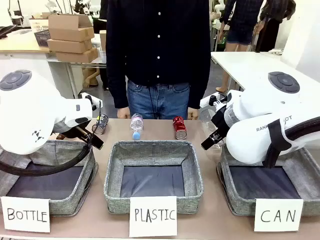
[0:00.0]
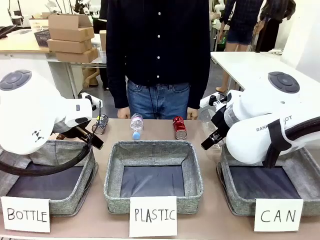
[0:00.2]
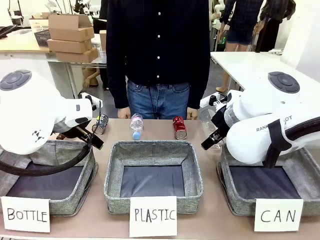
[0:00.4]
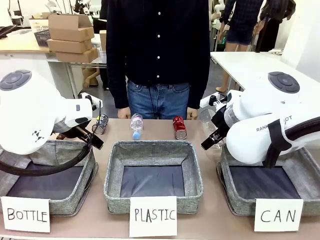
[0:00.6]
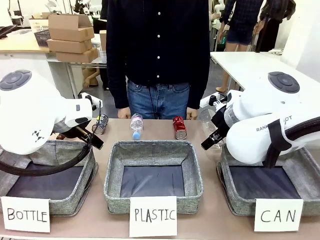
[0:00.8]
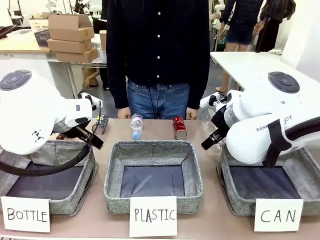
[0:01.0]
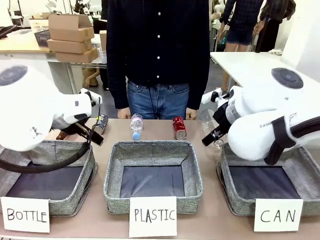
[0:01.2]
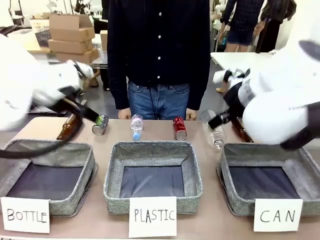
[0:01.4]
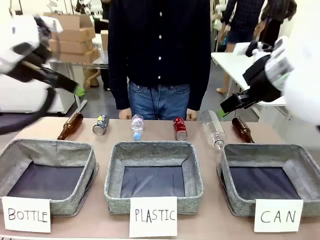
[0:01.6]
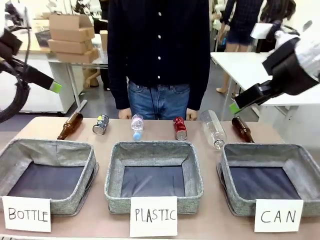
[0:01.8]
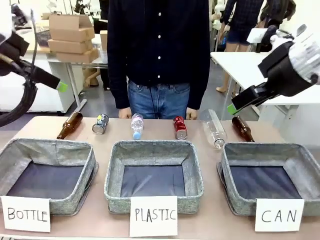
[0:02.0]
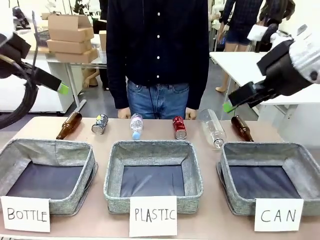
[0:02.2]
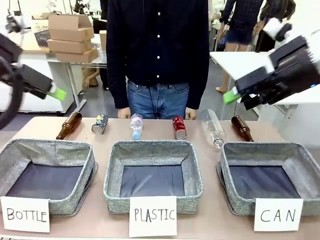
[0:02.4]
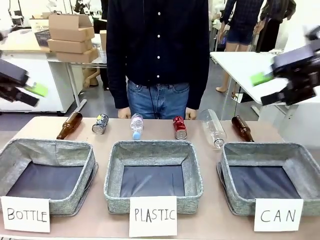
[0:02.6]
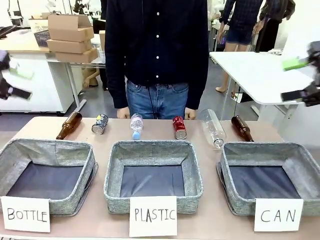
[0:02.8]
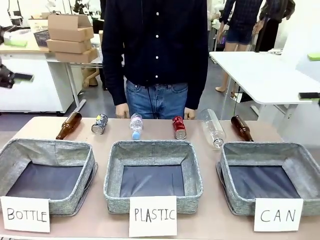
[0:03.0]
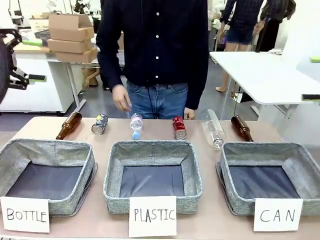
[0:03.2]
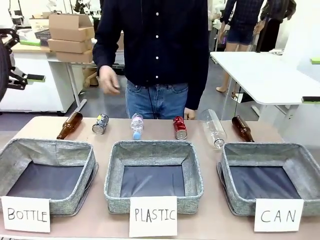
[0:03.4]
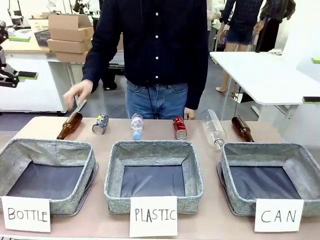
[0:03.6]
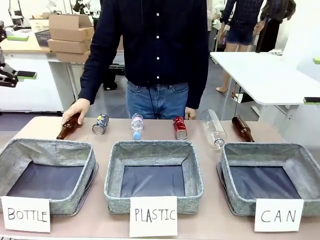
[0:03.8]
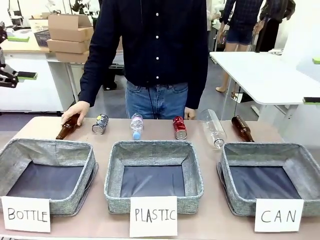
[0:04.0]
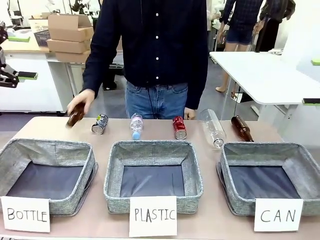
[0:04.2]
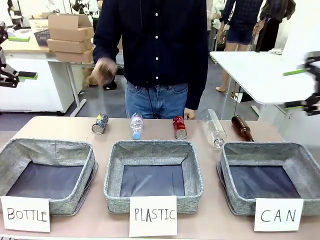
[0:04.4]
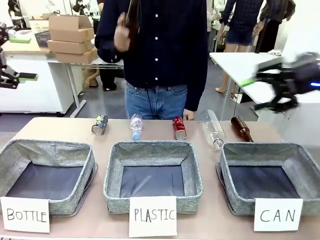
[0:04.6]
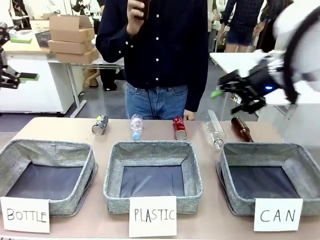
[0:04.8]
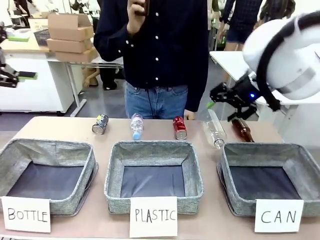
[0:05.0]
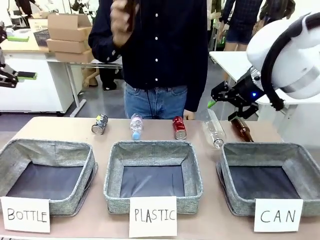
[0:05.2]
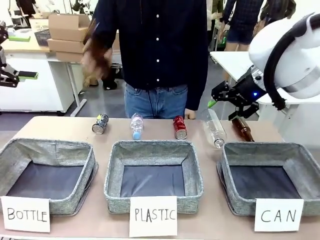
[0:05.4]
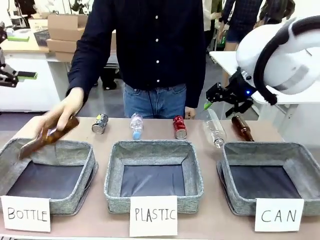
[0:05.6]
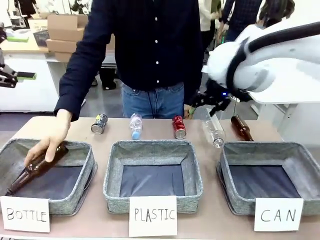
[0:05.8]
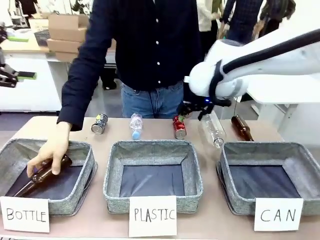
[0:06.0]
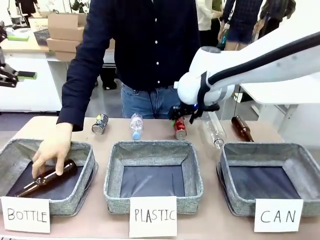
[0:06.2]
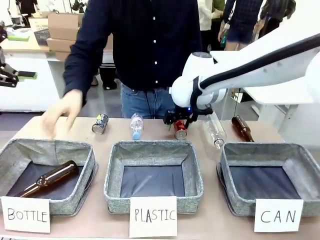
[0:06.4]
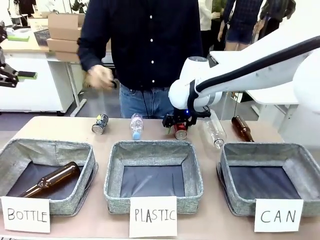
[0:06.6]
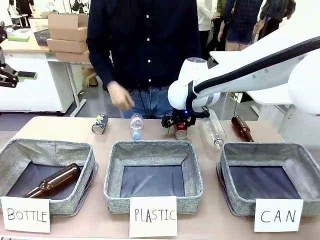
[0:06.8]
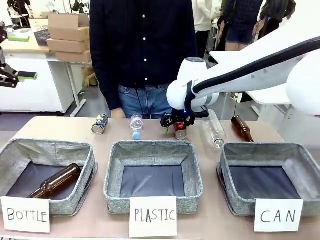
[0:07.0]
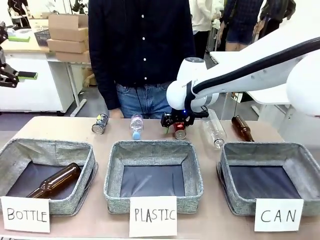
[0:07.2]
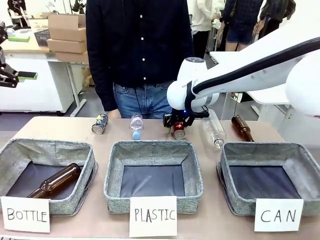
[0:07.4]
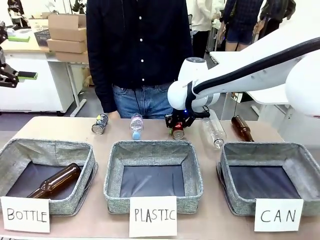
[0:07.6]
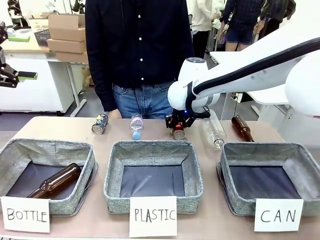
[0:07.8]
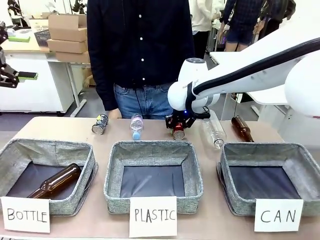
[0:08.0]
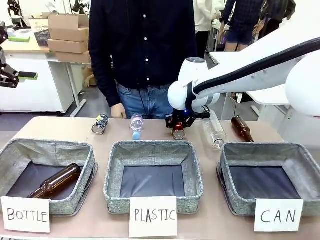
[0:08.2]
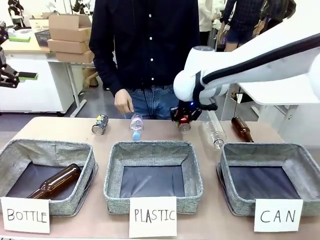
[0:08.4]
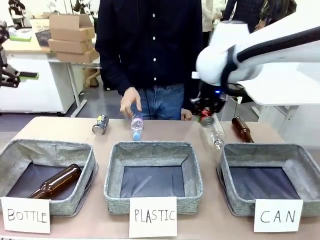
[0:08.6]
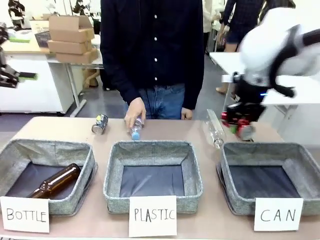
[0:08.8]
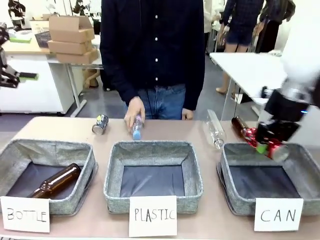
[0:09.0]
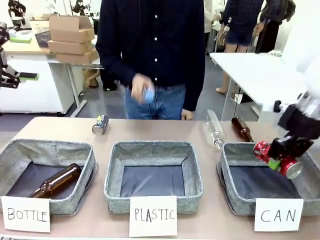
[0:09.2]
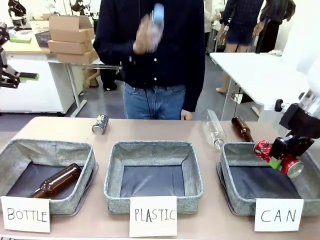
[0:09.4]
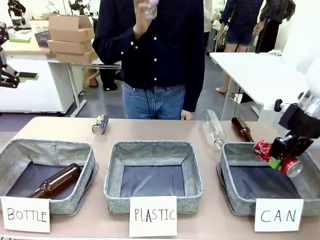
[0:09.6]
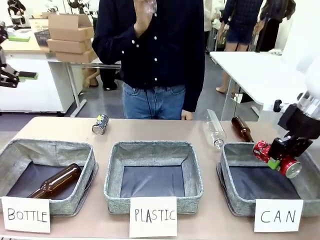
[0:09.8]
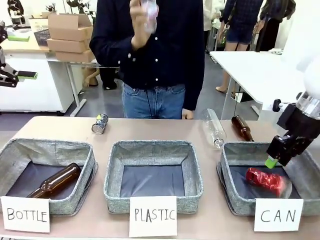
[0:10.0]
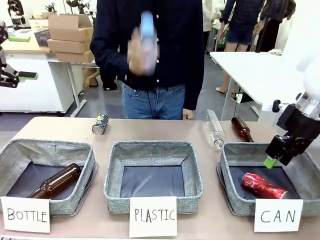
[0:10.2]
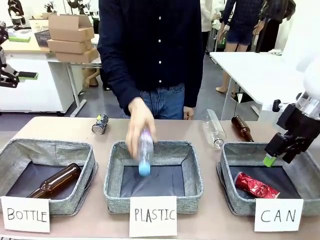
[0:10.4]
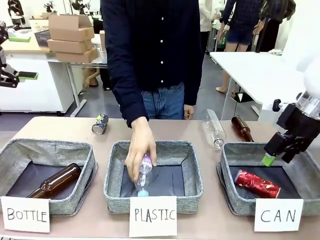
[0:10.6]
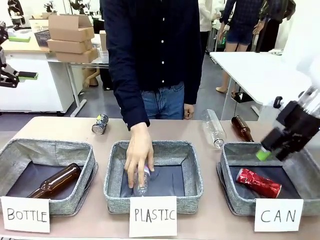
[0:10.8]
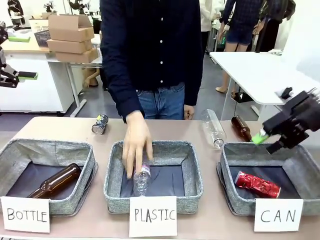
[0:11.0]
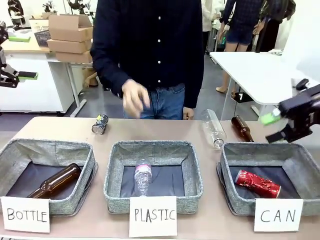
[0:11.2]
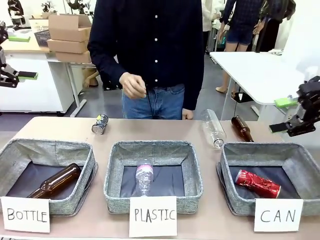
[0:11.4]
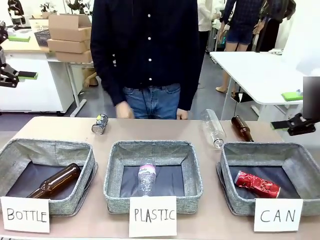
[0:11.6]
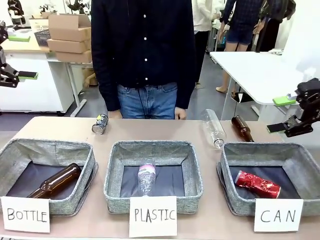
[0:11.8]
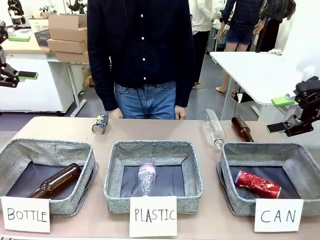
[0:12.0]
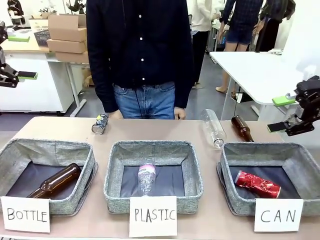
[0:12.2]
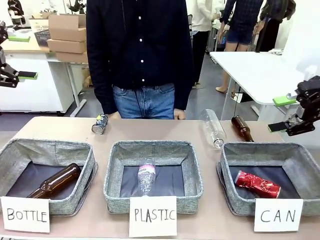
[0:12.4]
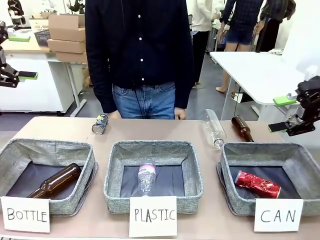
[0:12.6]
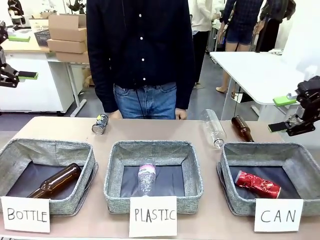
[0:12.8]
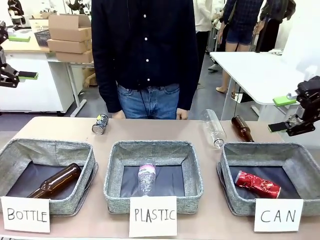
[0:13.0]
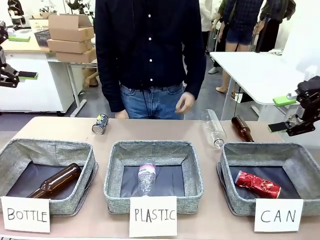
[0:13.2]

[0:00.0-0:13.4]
Task: Sort the can waste into the basket.
Robot: Pick up the can waste from the table and place it in the right Fabric basket.
